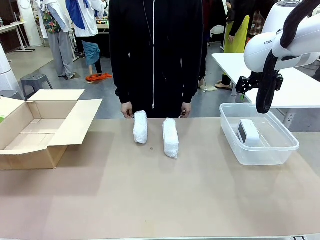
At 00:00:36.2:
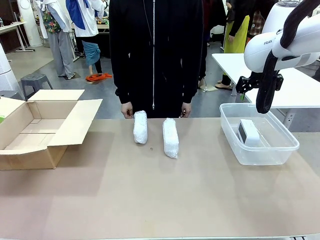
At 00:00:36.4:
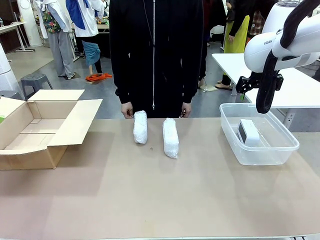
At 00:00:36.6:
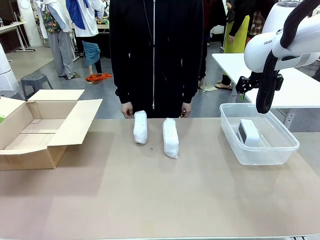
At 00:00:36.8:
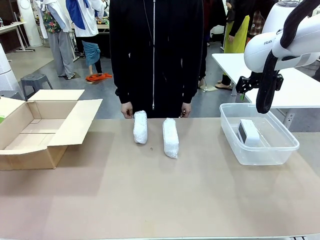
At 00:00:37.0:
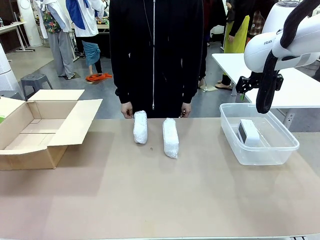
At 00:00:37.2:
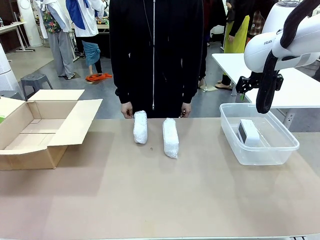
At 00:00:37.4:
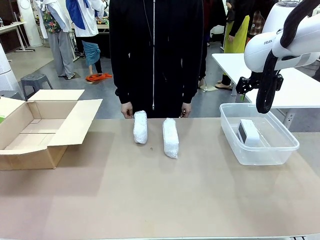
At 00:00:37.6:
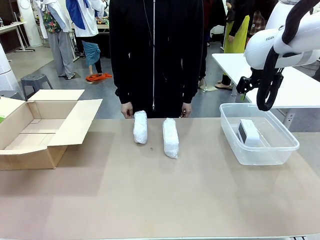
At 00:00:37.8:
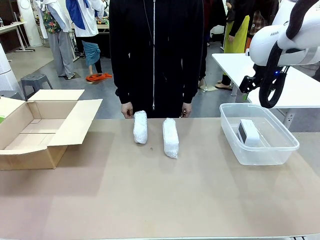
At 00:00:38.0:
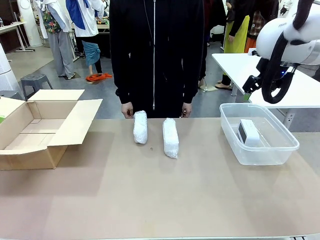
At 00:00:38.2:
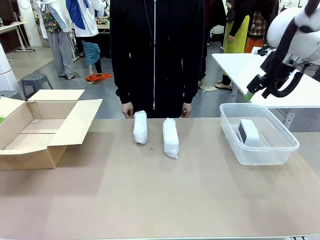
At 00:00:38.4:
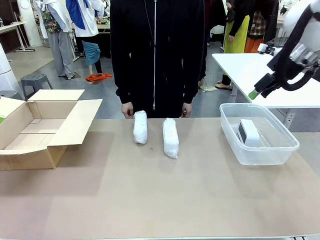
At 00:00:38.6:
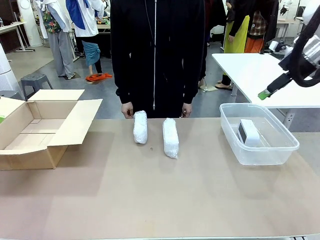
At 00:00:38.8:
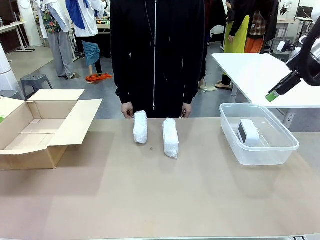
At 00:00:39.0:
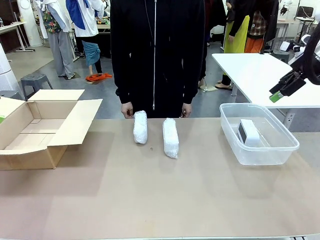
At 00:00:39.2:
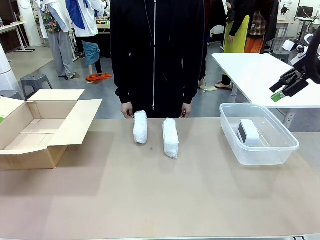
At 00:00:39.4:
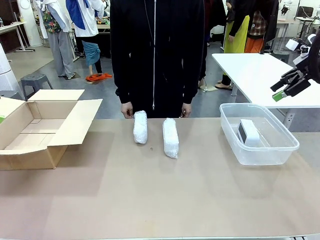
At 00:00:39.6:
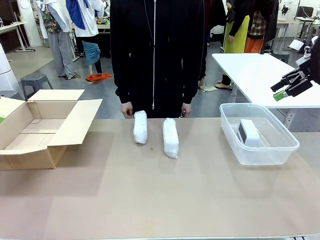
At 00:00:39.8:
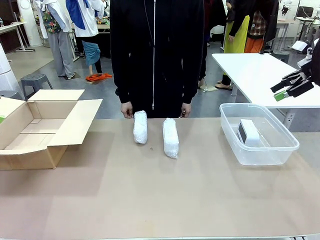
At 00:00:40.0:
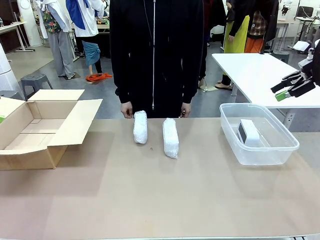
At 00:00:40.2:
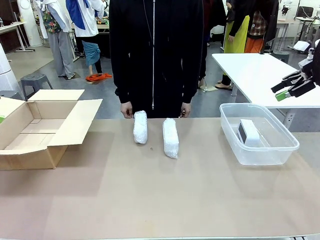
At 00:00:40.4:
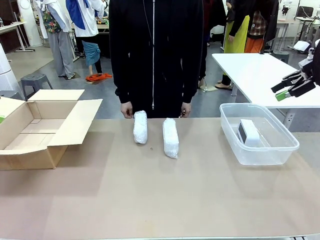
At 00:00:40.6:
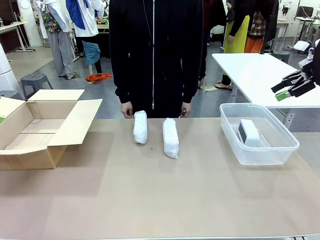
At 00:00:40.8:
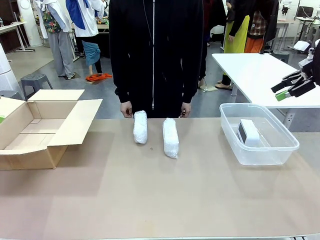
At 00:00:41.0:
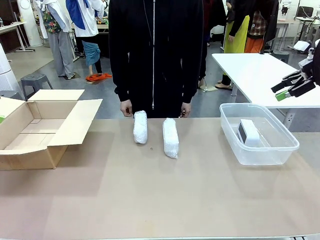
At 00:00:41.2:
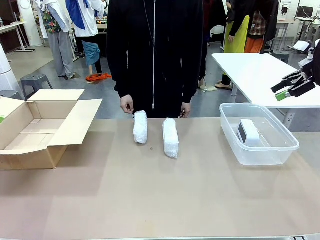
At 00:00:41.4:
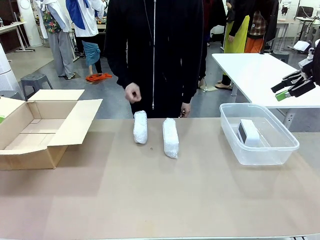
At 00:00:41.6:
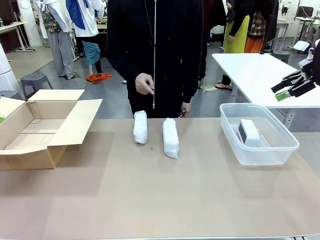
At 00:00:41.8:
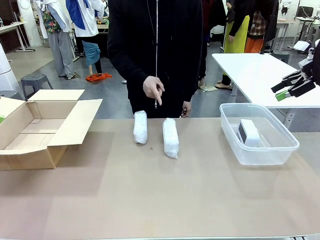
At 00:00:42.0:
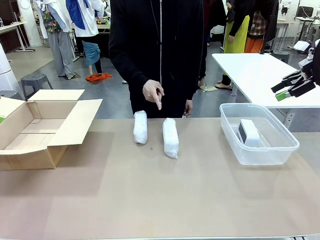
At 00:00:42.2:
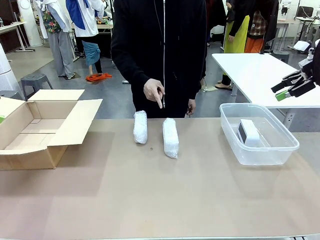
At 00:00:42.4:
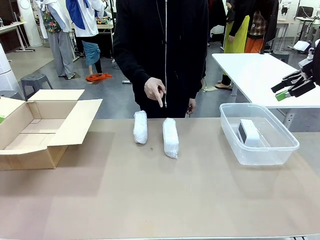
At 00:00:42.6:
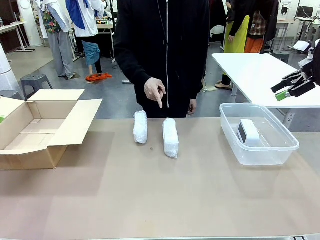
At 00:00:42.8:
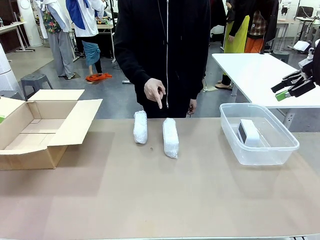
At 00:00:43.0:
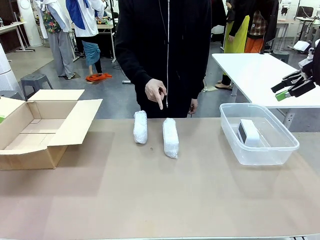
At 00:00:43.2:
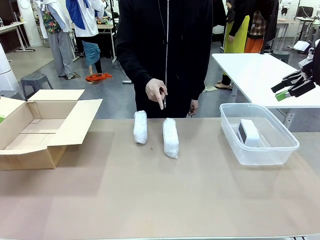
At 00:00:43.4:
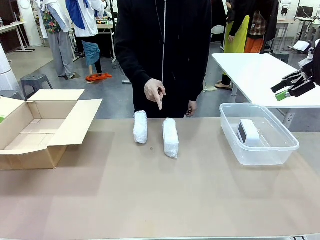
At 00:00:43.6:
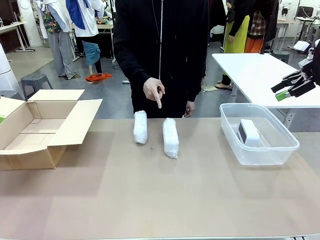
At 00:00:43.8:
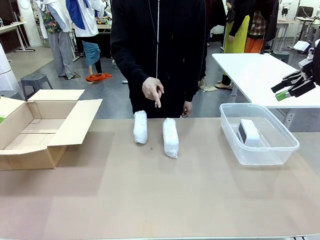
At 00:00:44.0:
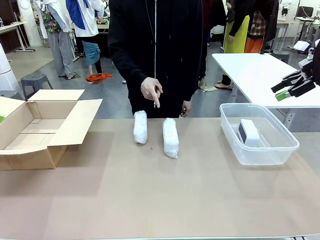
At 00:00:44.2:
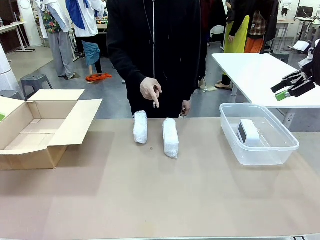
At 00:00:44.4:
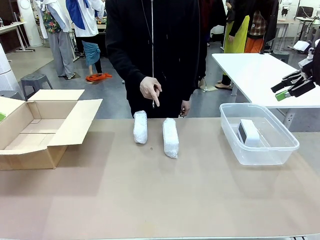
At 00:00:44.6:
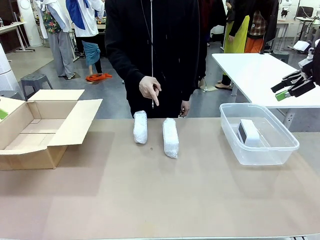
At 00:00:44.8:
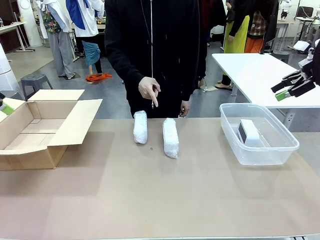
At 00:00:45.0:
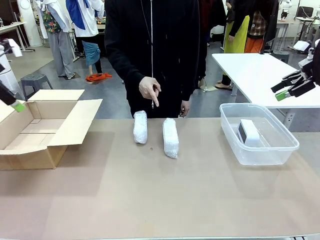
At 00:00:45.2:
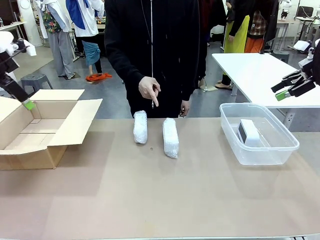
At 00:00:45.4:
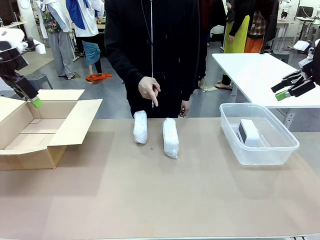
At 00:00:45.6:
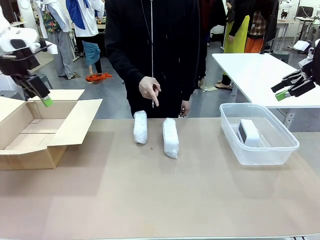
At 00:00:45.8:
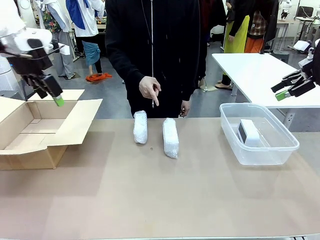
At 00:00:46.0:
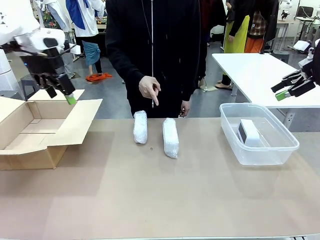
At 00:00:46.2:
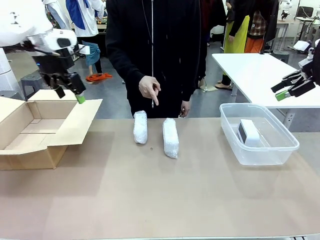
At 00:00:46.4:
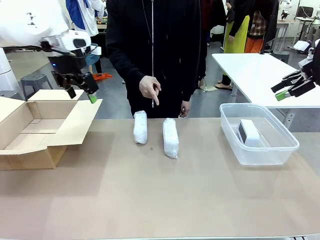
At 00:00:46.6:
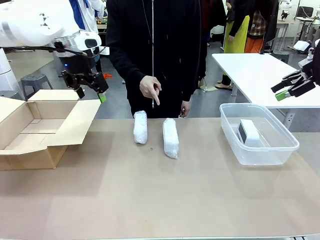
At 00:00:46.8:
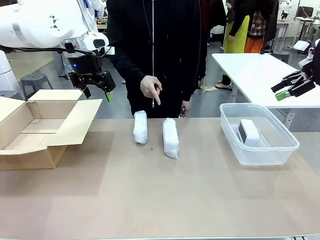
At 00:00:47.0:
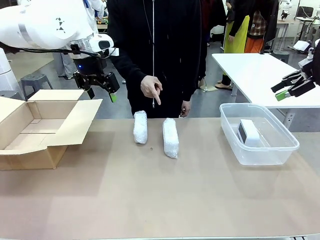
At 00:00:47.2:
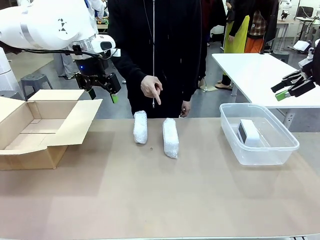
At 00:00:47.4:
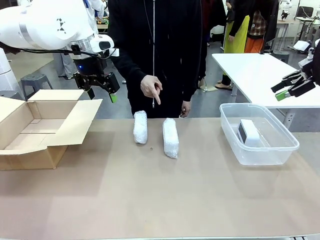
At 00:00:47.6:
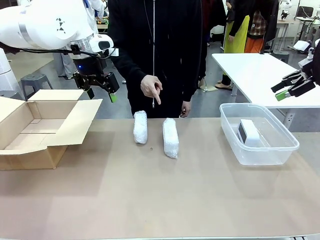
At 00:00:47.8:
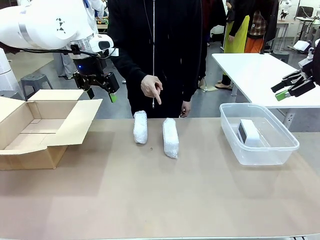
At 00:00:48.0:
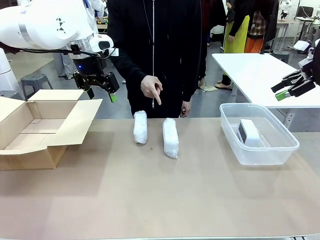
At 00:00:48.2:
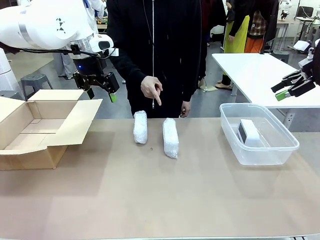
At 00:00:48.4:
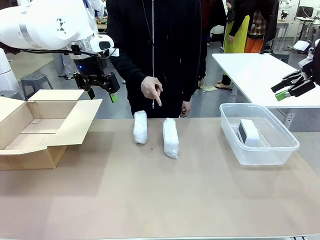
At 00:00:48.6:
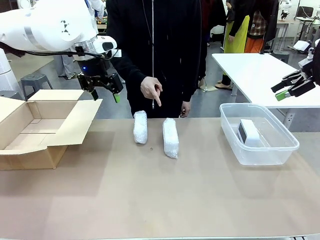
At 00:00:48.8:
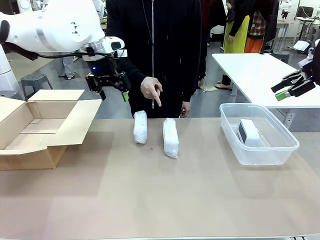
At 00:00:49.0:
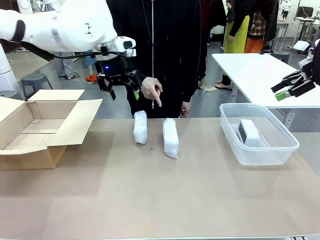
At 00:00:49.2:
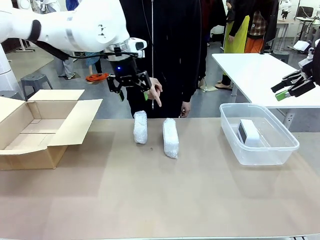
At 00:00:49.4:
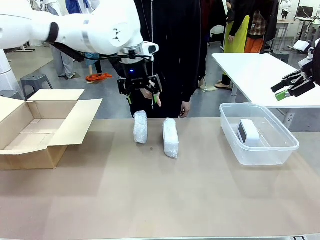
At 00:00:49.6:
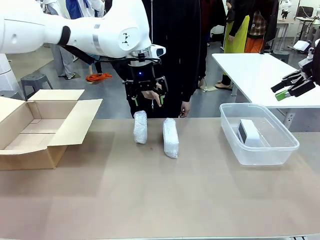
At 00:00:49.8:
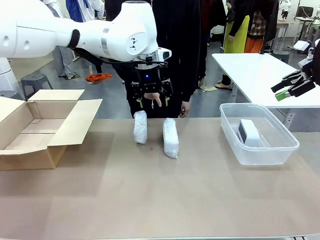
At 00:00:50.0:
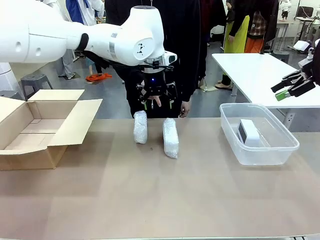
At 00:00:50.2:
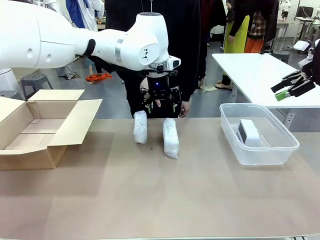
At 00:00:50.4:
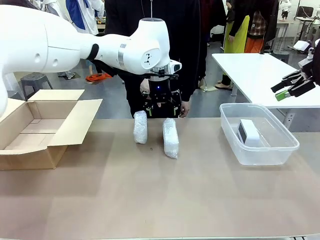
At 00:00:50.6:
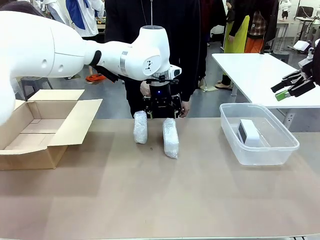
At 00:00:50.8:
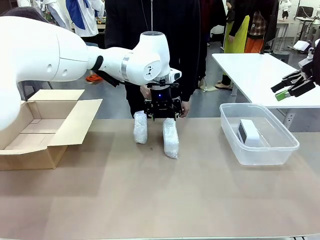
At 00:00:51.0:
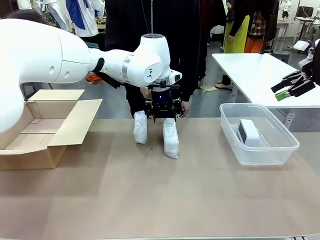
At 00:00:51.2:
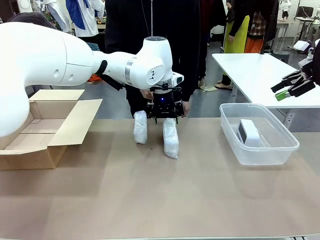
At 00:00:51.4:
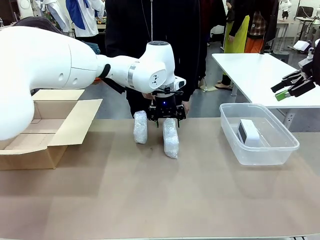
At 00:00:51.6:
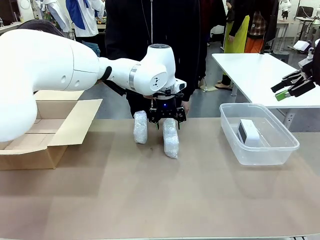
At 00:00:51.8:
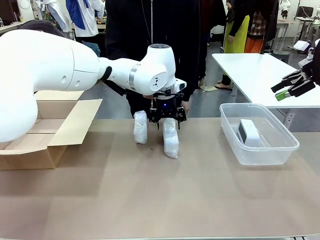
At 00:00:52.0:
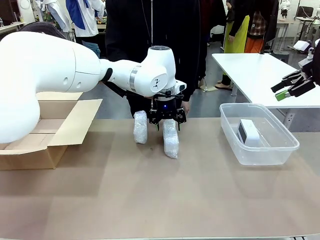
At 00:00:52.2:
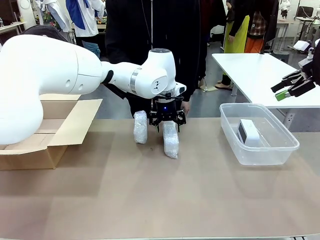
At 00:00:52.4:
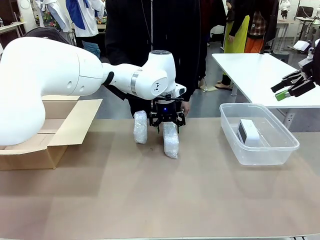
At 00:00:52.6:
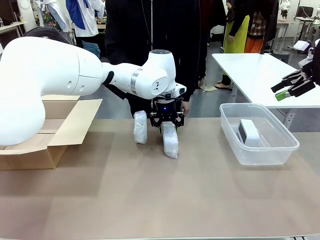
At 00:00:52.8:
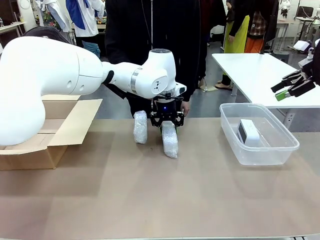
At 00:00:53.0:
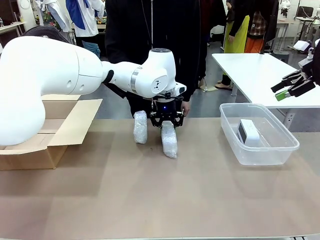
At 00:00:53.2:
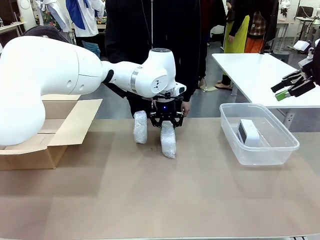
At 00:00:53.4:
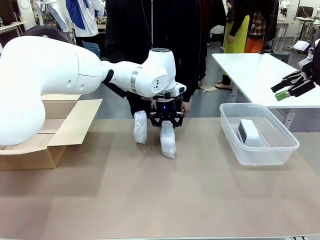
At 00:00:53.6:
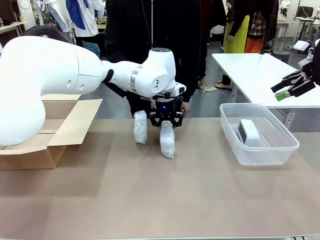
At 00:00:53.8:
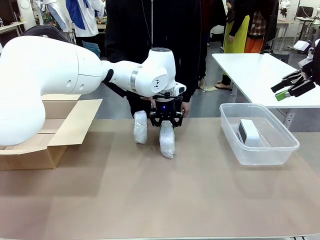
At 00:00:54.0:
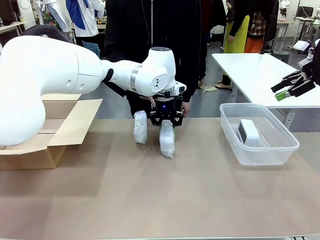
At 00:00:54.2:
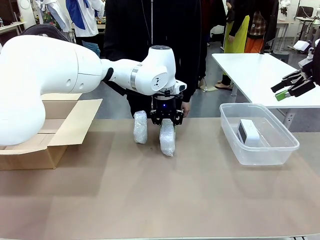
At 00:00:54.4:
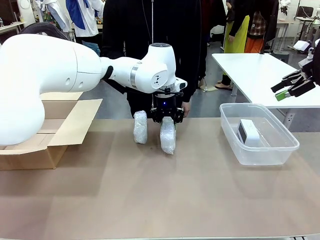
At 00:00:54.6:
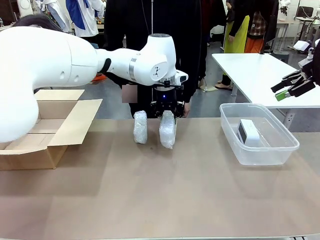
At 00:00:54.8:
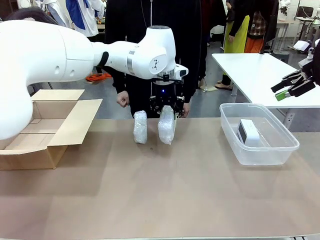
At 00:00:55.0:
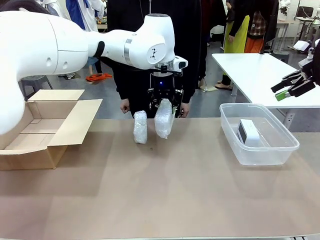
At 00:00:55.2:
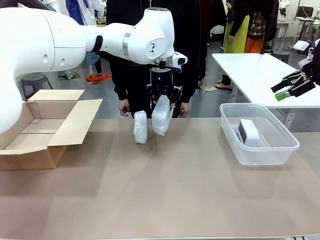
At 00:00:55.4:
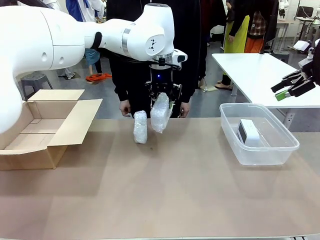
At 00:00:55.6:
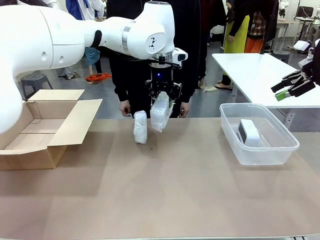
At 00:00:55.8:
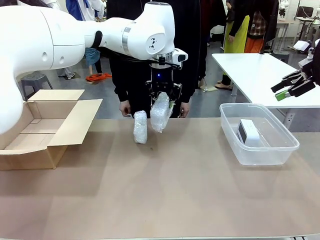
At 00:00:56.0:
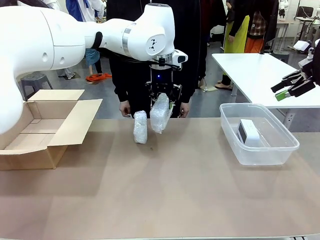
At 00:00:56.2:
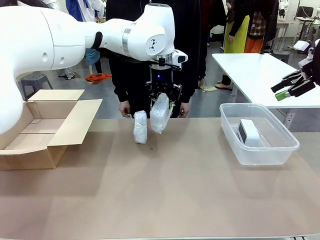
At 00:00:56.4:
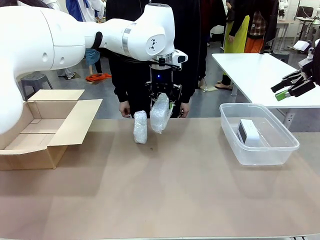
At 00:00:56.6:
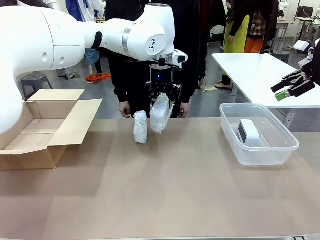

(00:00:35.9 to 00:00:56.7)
Task: Separate and place wrapped and unwrapped clocks.
Robot: Pick up the Digital clock indicated by the person.
